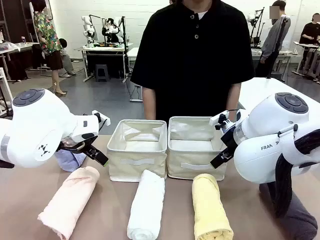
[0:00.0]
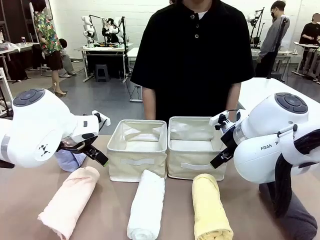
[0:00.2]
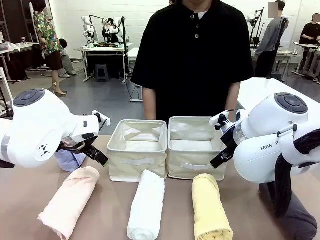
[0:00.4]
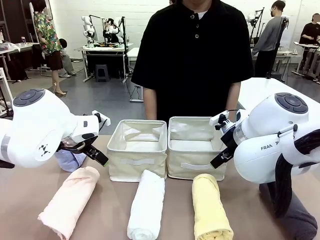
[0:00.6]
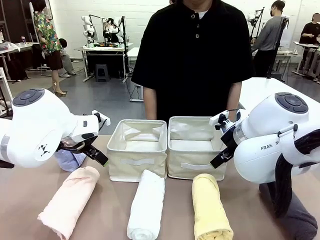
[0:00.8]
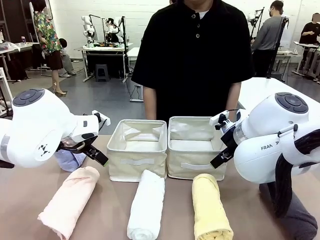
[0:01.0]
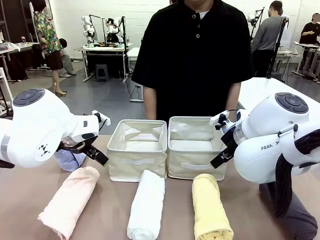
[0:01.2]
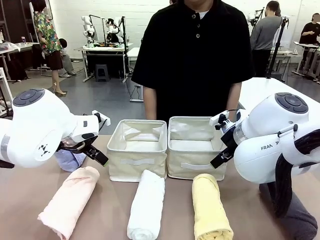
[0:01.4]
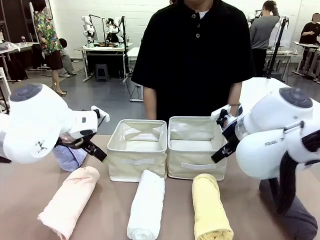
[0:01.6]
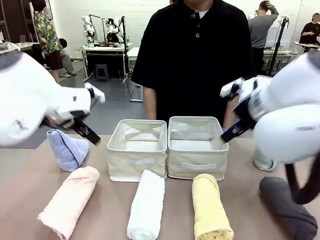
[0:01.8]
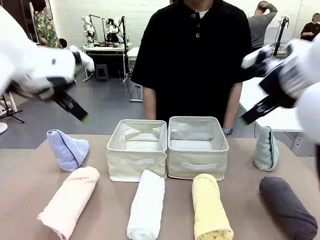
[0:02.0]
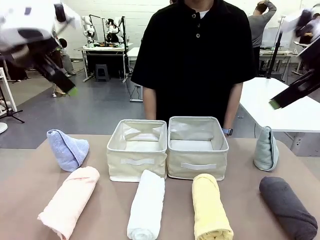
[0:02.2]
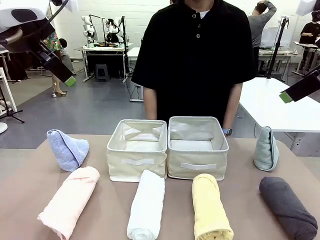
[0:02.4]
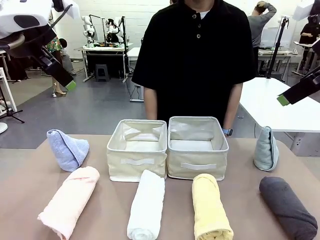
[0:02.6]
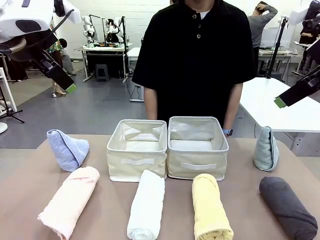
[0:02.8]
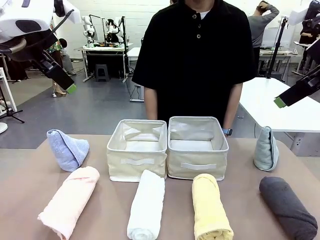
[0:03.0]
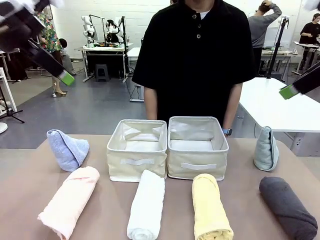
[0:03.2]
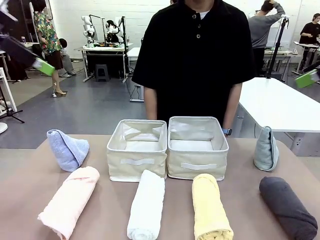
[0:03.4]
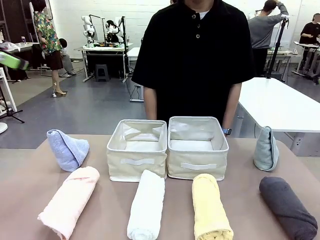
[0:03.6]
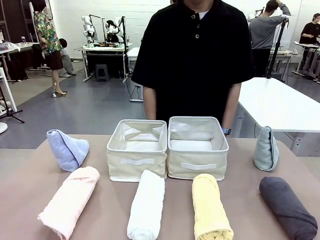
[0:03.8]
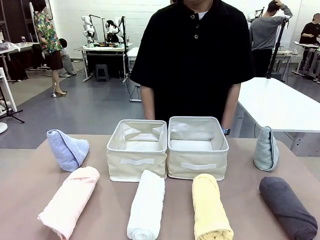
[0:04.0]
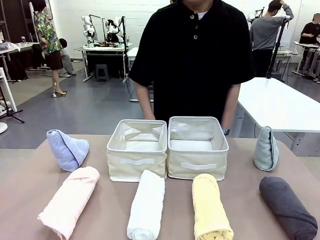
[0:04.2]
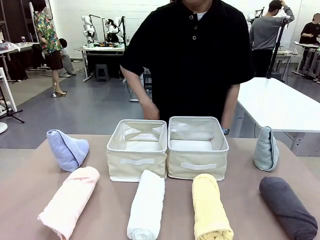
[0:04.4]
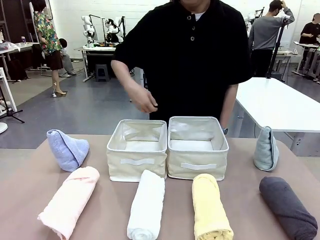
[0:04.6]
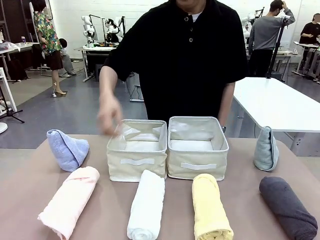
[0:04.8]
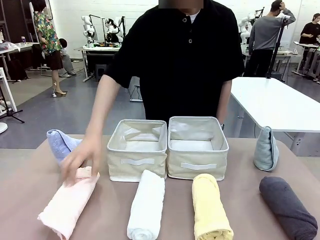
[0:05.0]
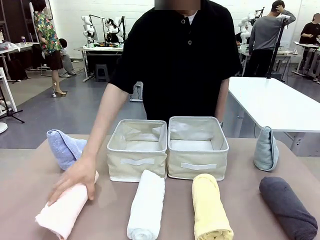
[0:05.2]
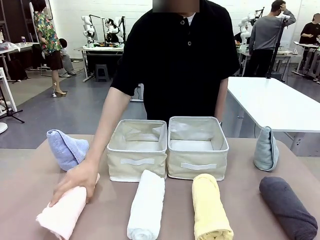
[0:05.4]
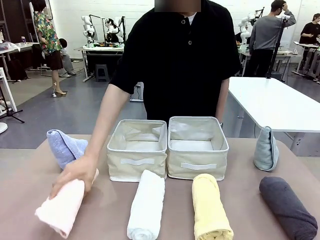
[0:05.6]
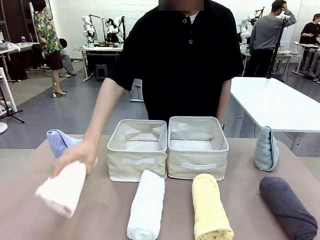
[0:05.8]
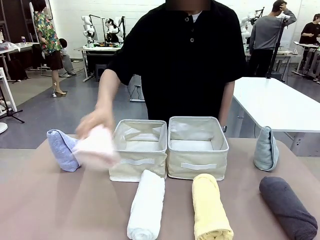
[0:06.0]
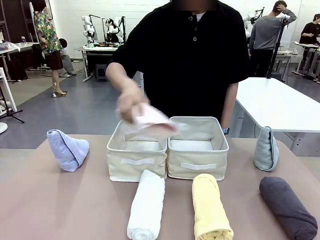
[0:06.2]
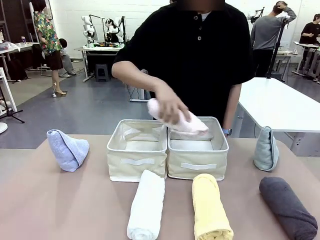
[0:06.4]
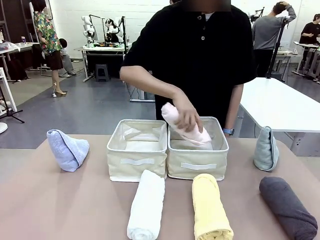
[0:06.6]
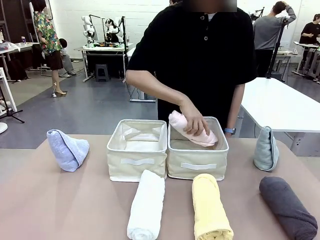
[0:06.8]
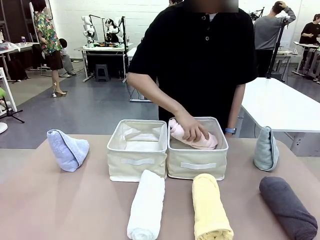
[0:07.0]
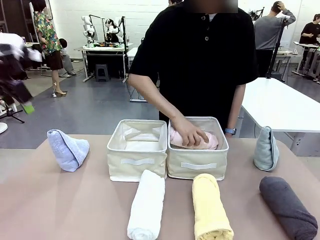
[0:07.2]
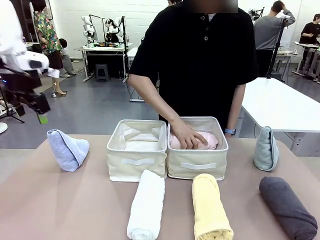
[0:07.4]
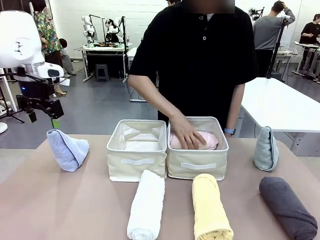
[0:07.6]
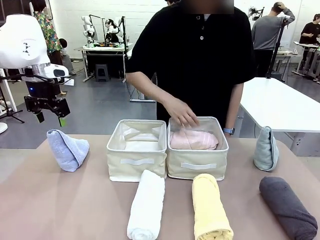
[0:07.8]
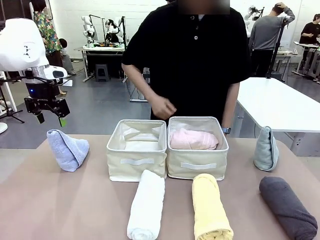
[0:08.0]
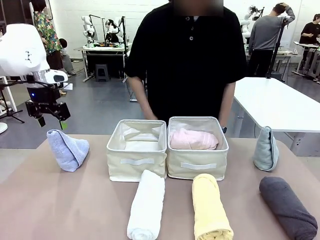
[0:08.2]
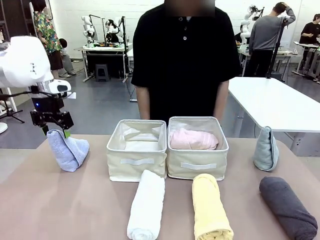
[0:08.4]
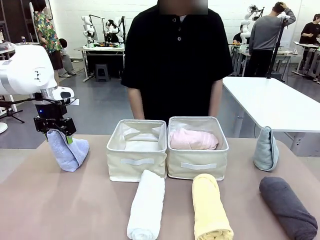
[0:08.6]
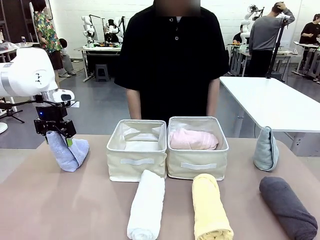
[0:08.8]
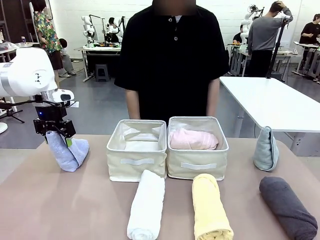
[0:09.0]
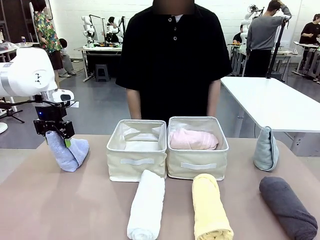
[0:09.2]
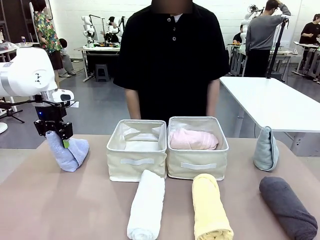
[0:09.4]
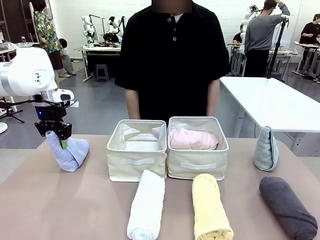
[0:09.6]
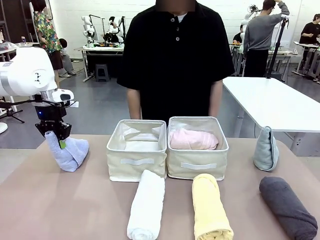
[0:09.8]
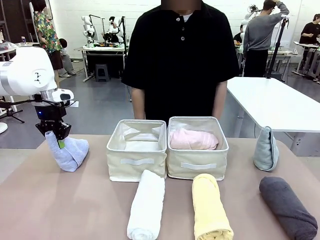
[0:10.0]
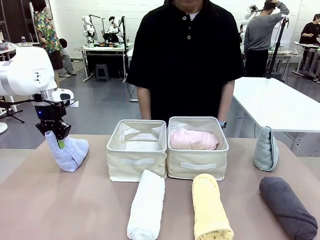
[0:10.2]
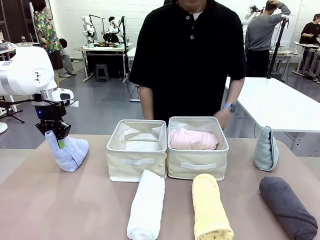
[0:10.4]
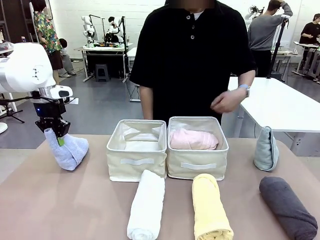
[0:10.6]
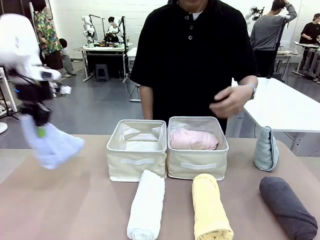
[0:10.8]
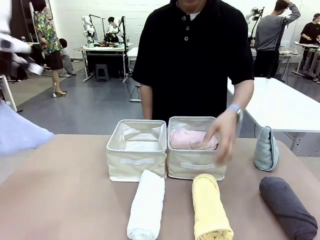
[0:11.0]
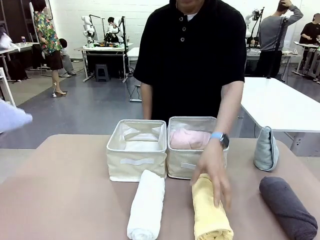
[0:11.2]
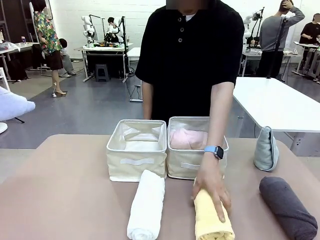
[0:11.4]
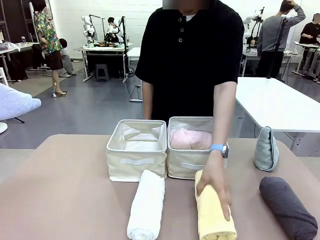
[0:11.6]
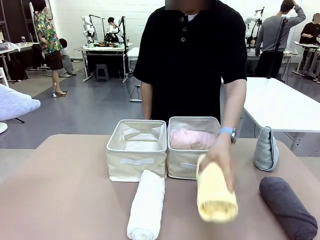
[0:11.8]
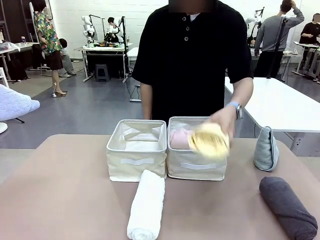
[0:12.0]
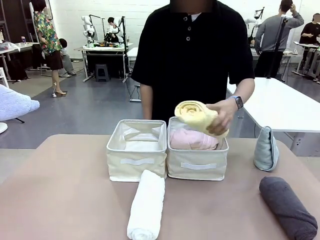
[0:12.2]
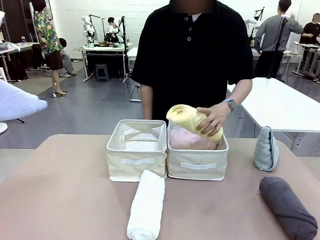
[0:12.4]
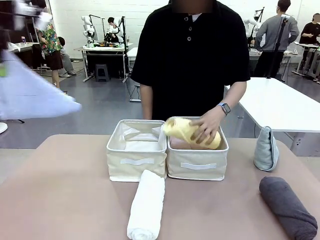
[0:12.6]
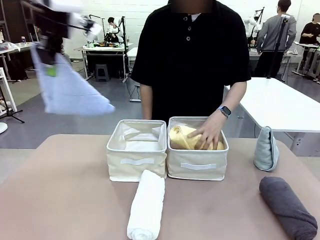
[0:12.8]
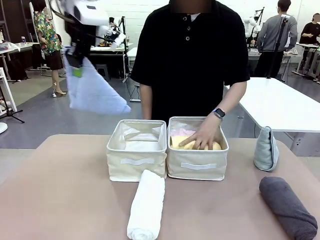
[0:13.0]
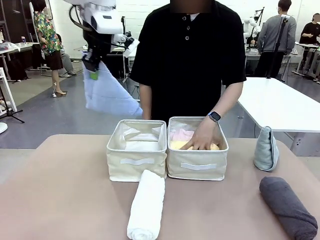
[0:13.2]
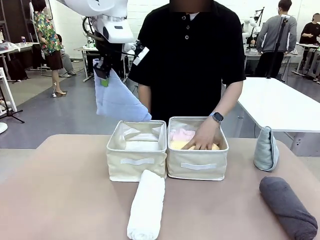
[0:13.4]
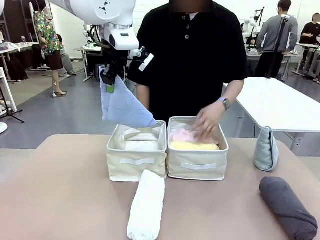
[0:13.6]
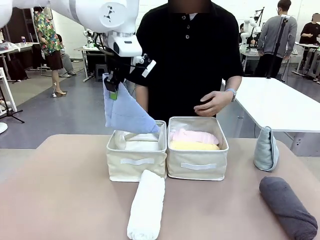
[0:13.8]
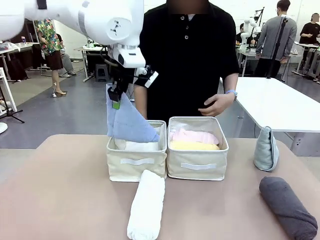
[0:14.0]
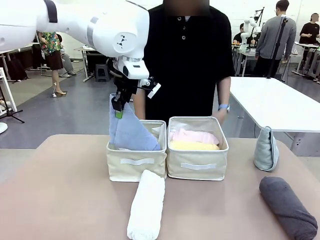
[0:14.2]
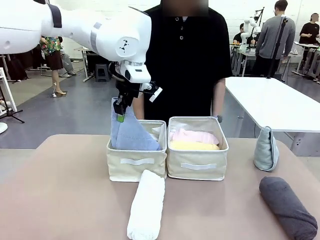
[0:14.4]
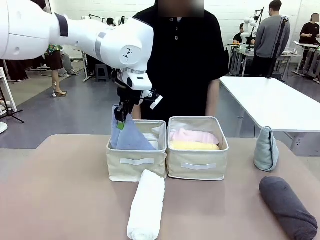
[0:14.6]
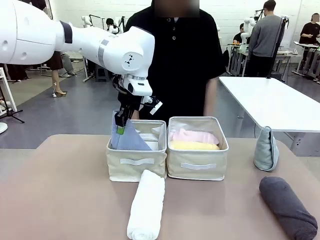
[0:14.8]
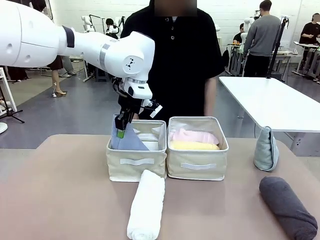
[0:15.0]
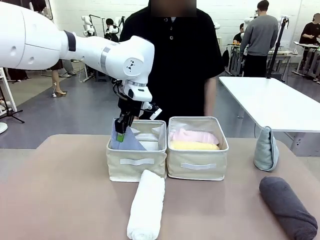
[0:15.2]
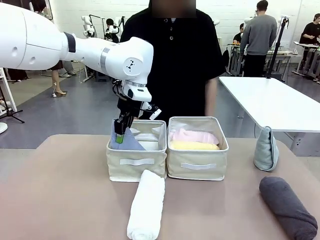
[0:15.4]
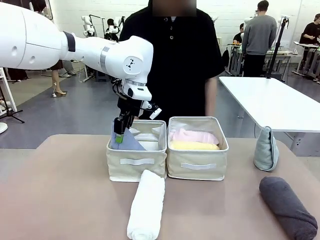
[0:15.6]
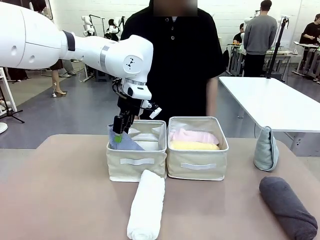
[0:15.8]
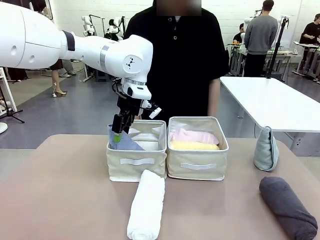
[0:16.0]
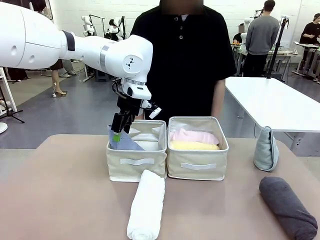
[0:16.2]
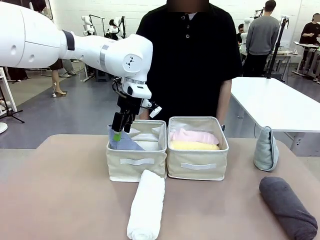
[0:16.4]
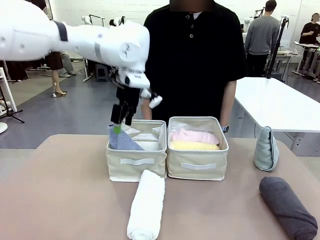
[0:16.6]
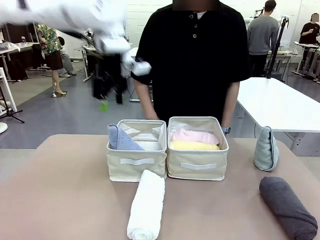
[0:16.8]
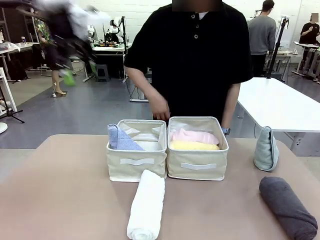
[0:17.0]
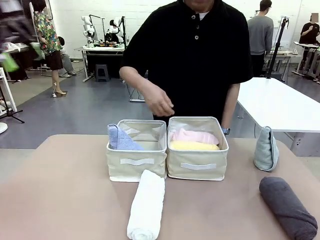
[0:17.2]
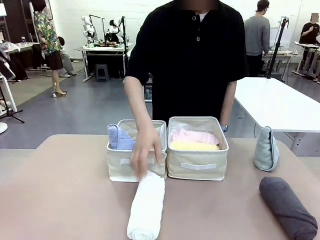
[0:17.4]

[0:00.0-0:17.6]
Task: Sort the towels based on their folding style.
Robot: Pick up one triangle-folded towel and place it in the left Fabric basket.
Person: Pick up one hotel-style rolled towel and place it in the left fabric basket.
